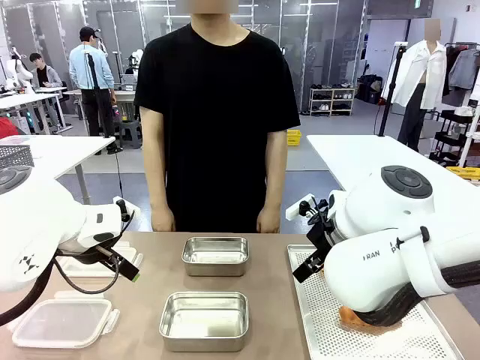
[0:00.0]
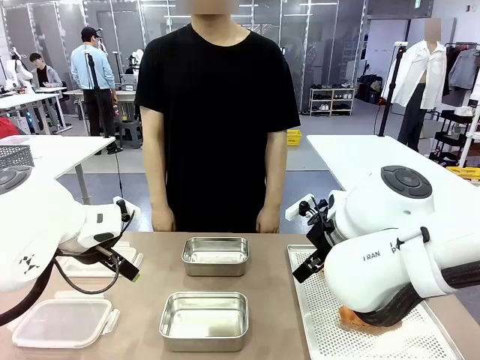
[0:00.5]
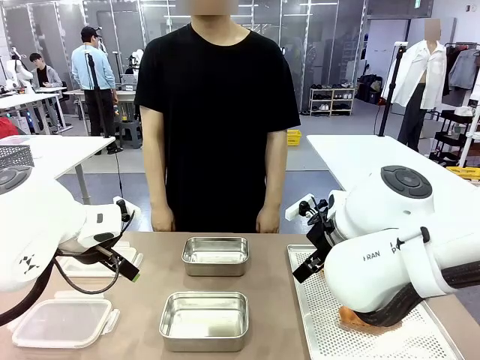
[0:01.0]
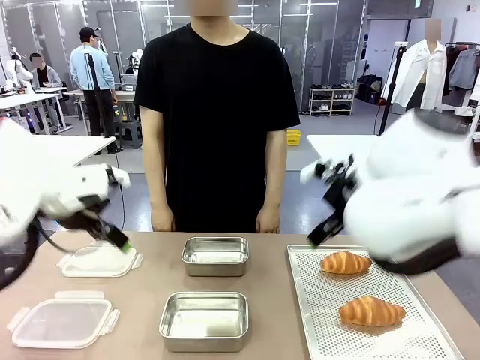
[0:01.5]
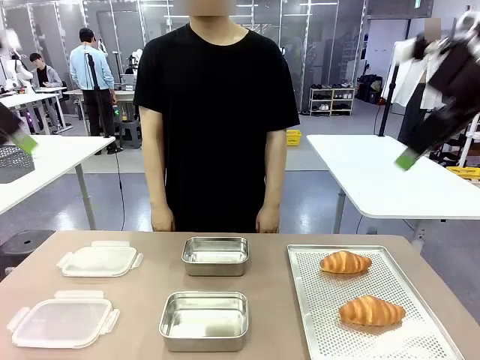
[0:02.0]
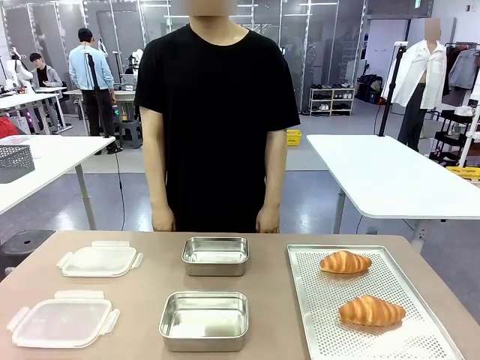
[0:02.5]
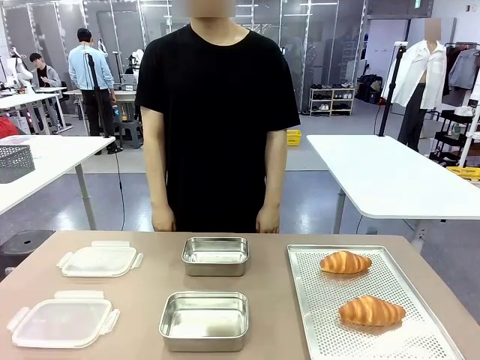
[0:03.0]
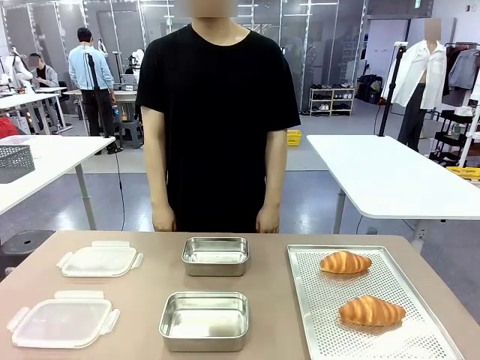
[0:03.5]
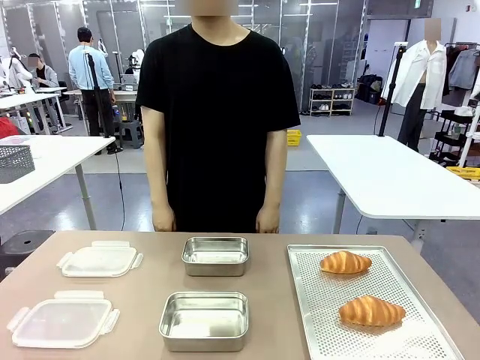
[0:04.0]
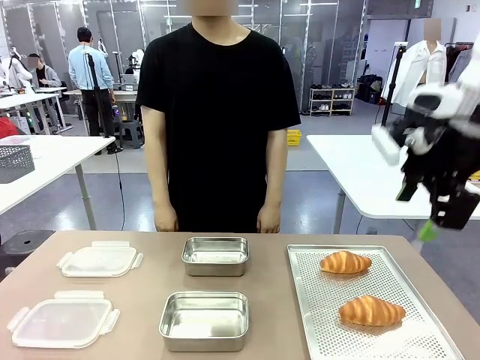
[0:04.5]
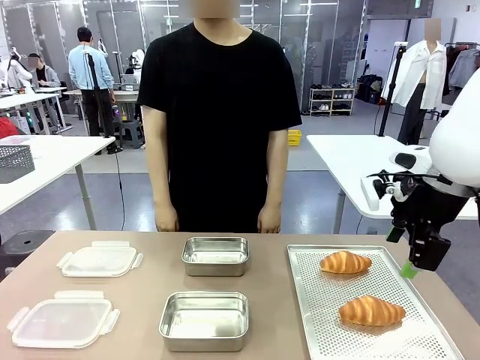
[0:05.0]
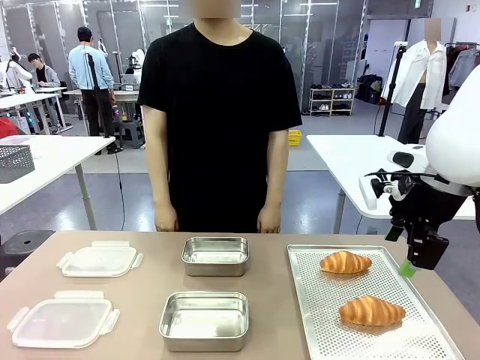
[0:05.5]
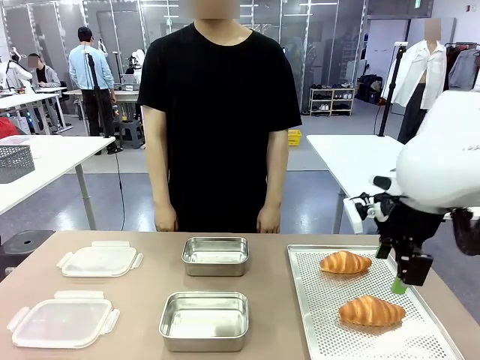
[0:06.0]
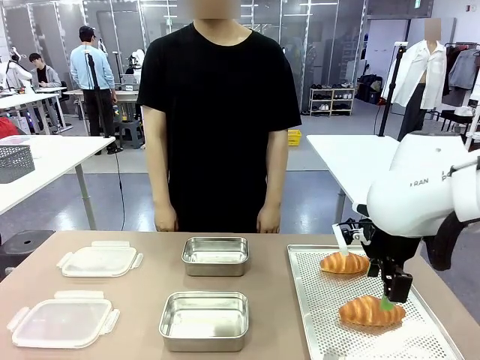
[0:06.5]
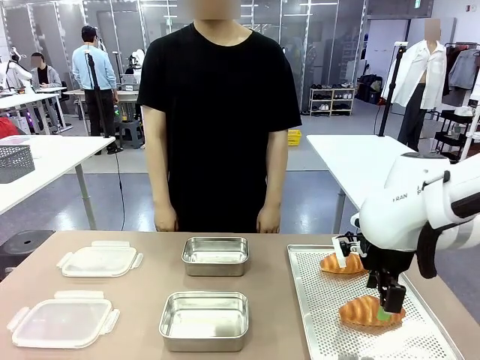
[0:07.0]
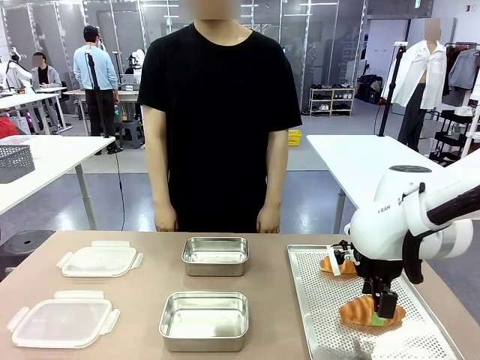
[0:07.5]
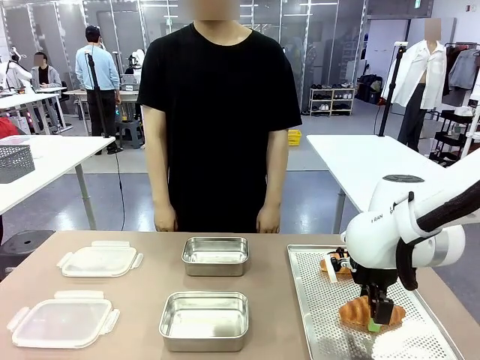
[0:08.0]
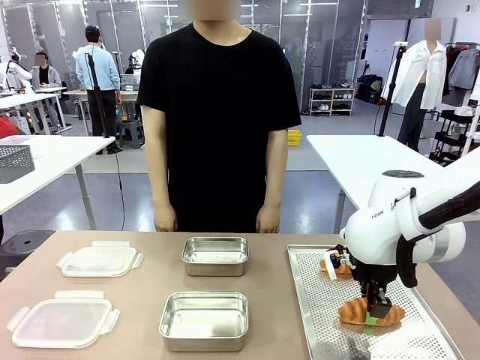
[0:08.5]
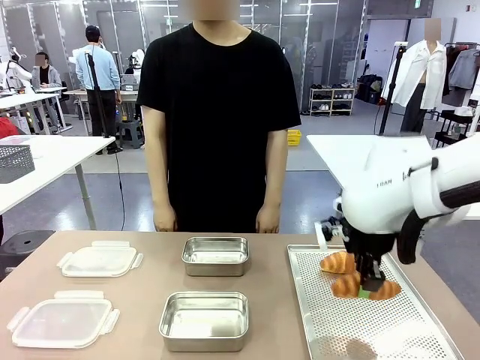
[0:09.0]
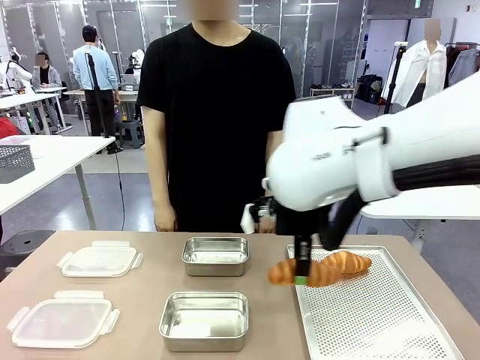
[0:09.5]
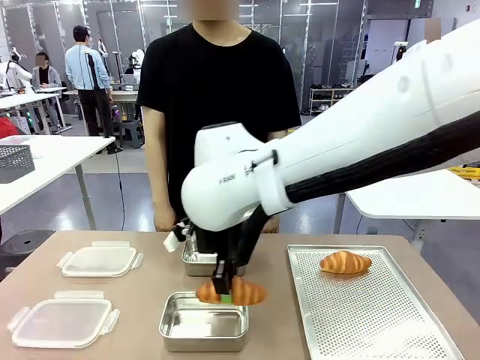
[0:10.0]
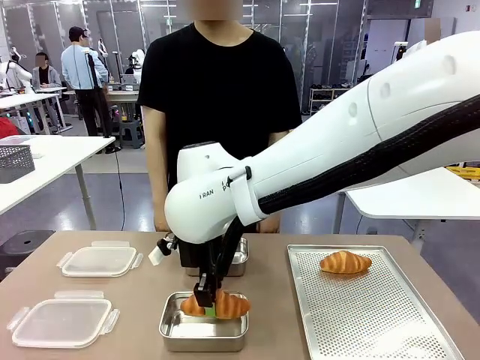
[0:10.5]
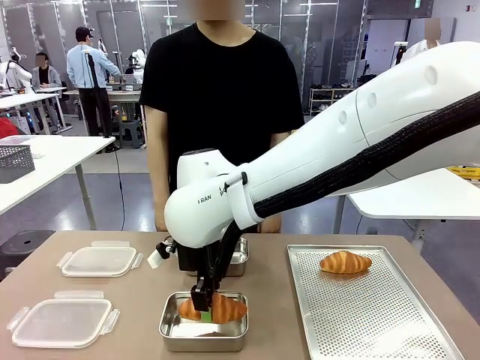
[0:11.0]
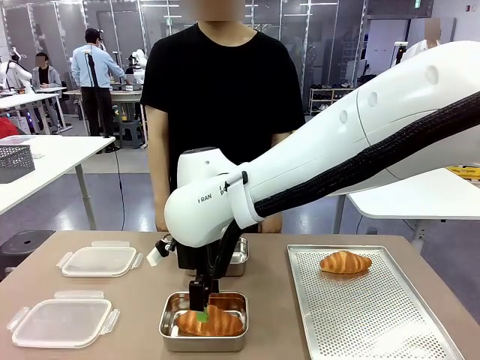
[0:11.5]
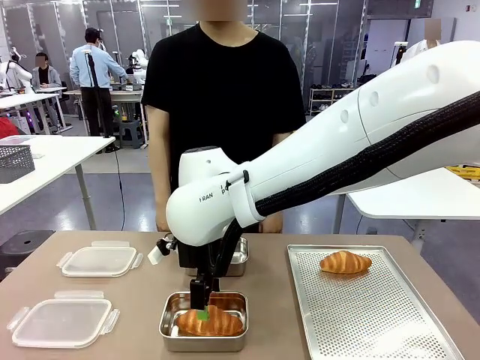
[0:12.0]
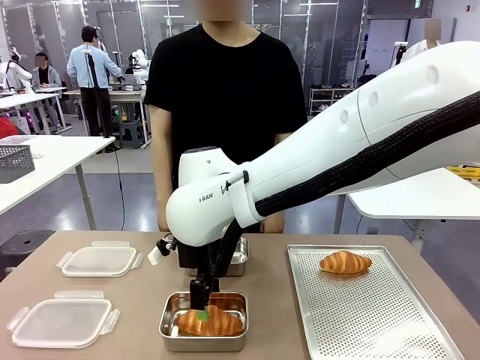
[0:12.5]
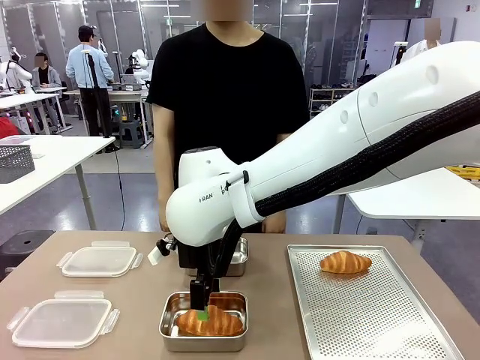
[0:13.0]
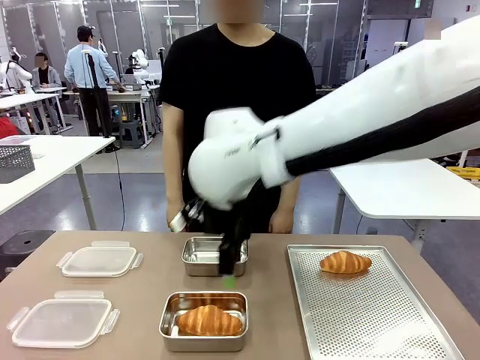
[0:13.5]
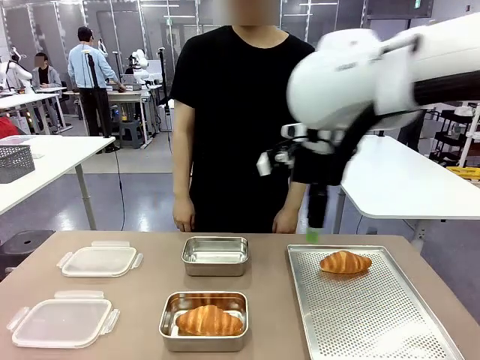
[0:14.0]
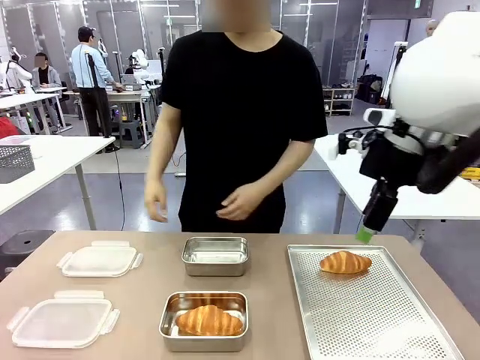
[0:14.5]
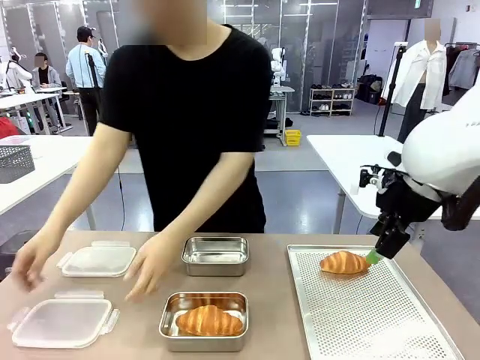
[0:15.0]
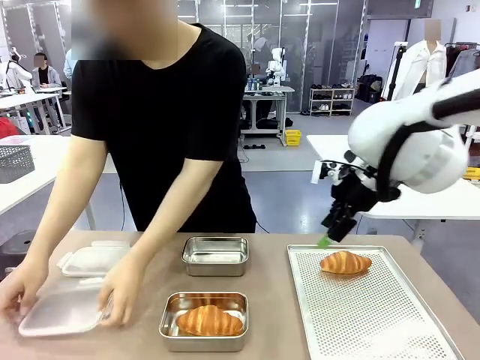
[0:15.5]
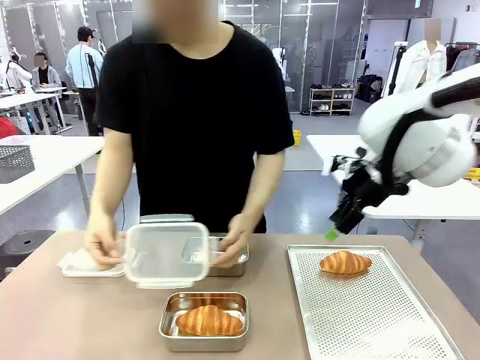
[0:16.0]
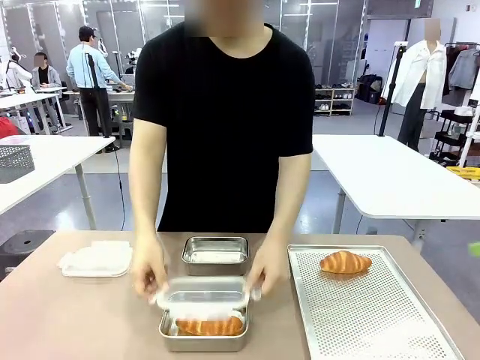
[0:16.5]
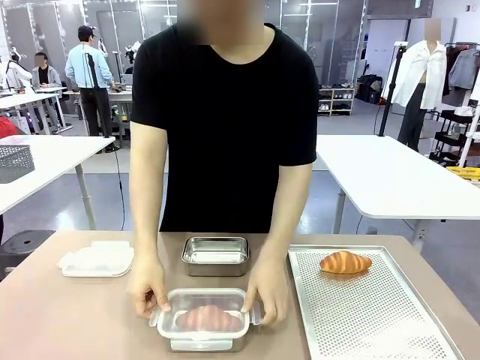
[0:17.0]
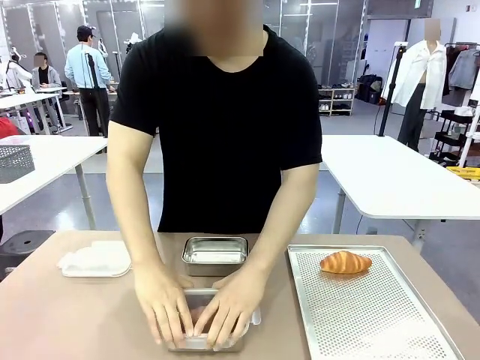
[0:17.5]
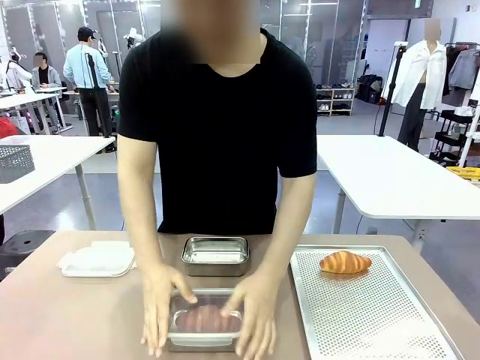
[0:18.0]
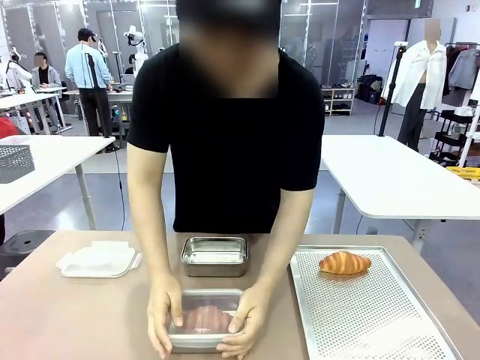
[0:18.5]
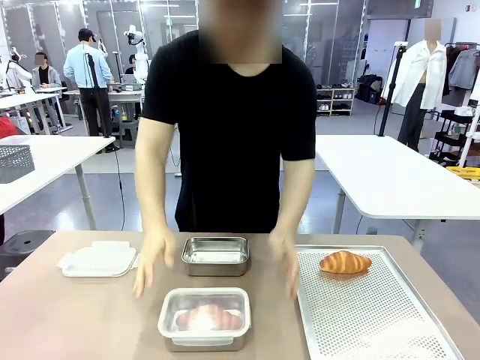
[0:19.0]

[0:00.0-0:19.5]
Task: Place the bread into the airtight container.
Robot: Pick up a Butter Roll and place it into an empty Airtight Container.
